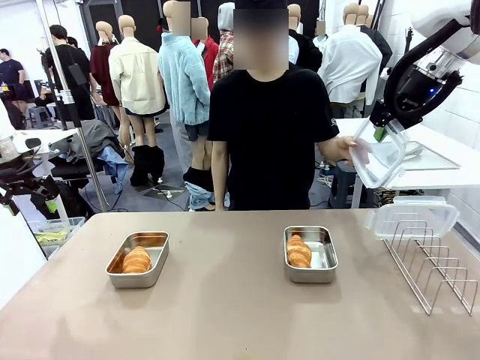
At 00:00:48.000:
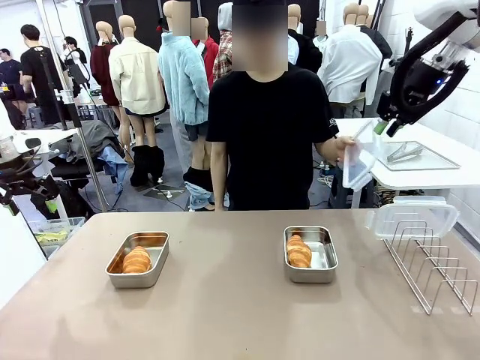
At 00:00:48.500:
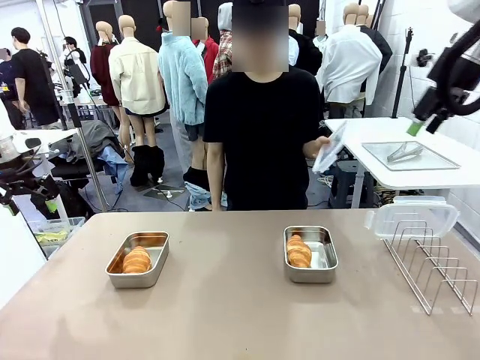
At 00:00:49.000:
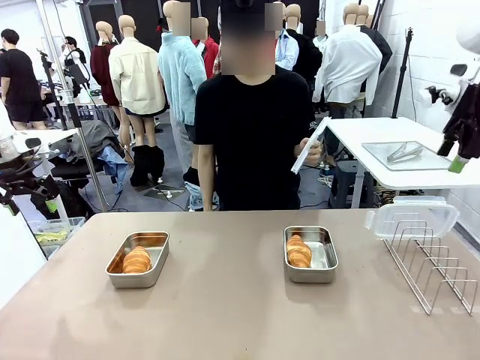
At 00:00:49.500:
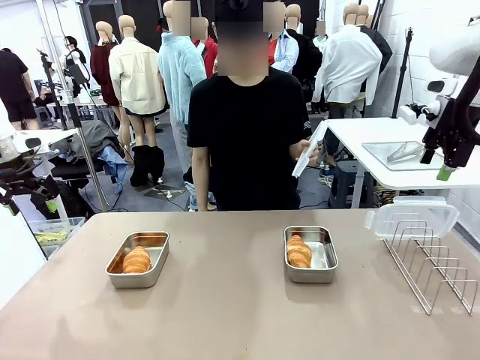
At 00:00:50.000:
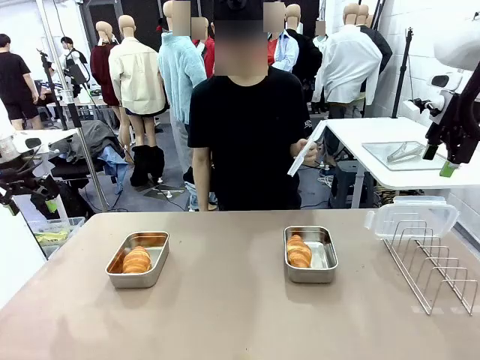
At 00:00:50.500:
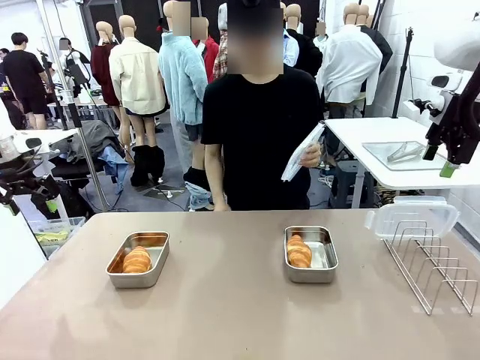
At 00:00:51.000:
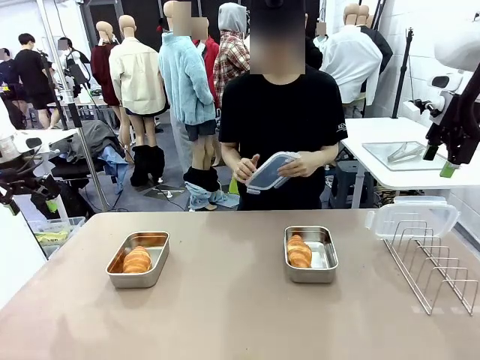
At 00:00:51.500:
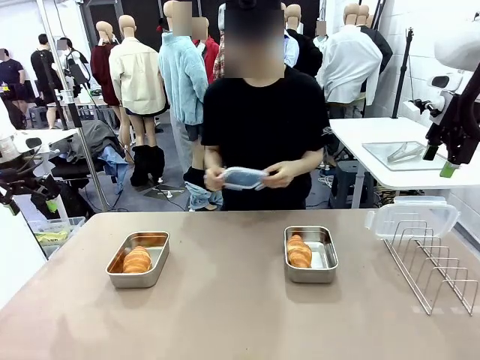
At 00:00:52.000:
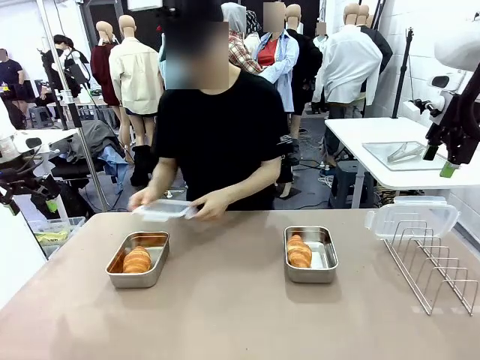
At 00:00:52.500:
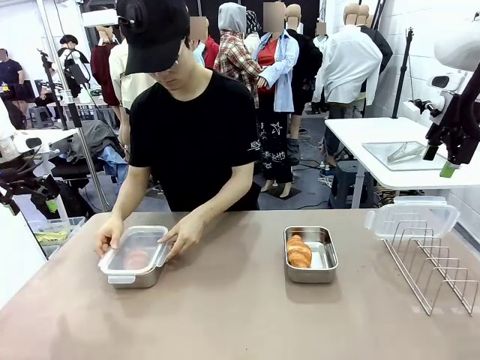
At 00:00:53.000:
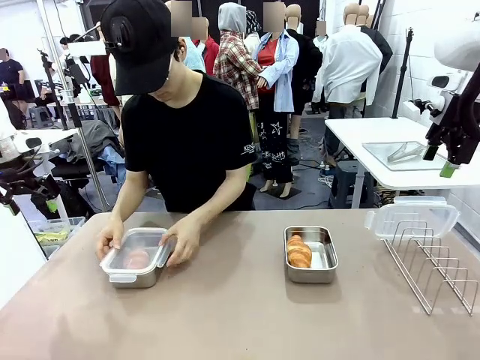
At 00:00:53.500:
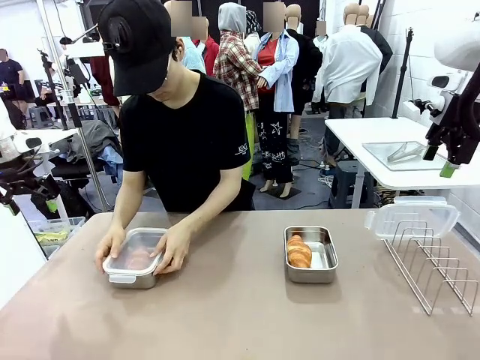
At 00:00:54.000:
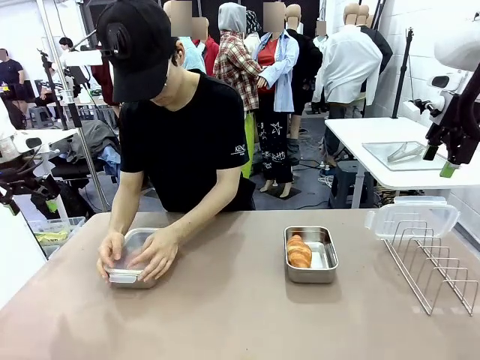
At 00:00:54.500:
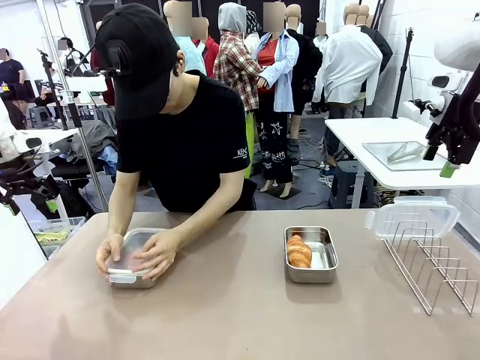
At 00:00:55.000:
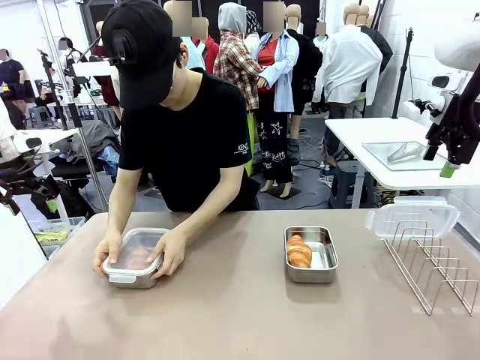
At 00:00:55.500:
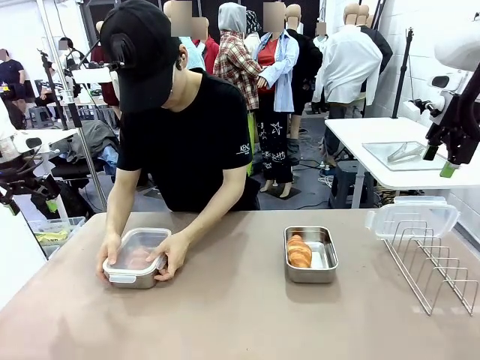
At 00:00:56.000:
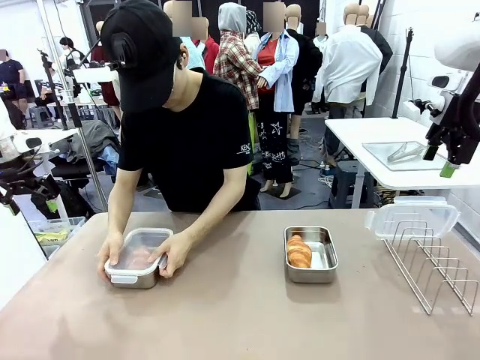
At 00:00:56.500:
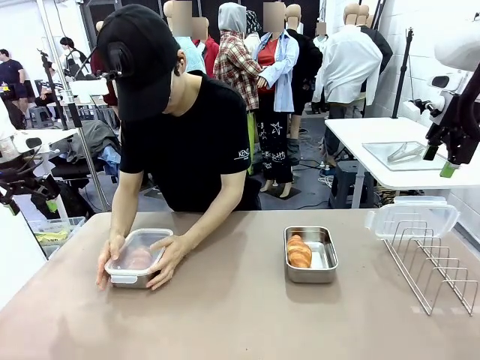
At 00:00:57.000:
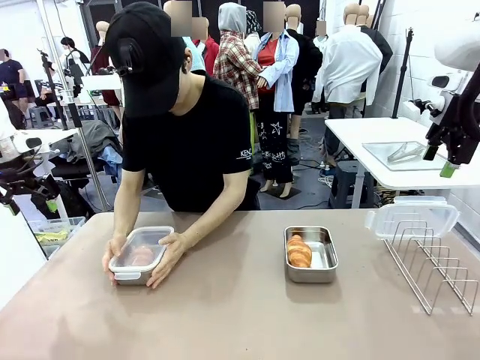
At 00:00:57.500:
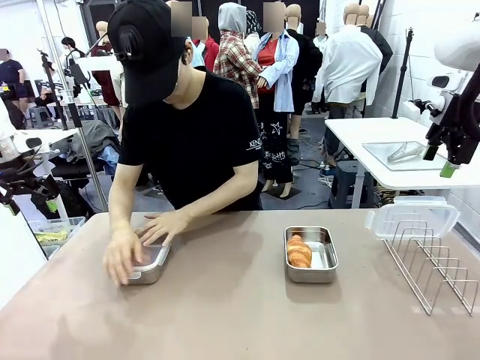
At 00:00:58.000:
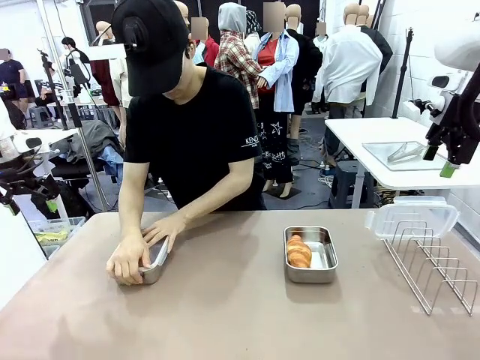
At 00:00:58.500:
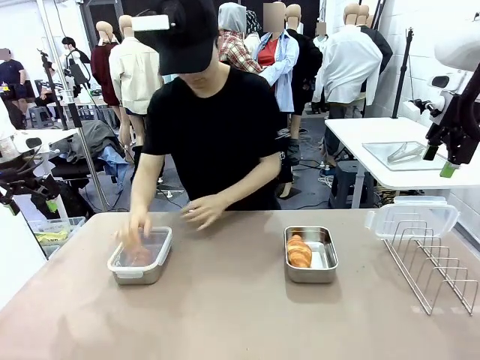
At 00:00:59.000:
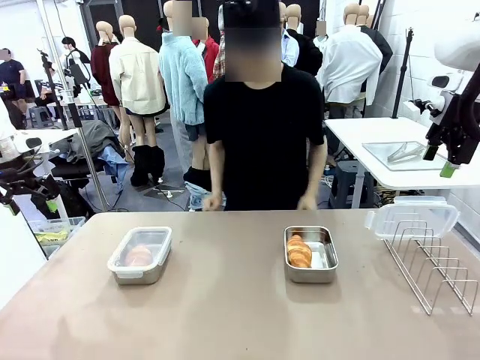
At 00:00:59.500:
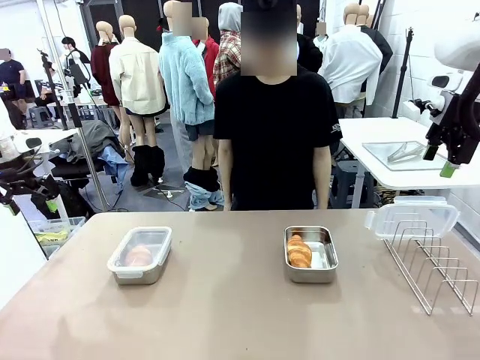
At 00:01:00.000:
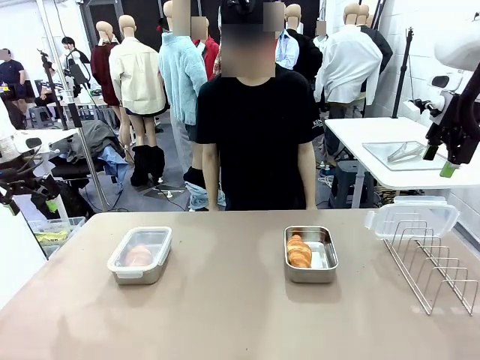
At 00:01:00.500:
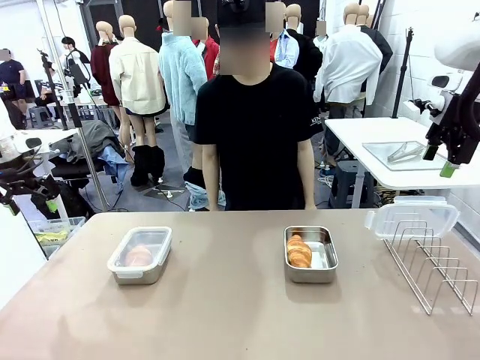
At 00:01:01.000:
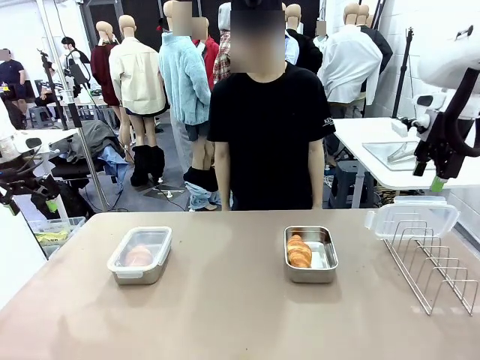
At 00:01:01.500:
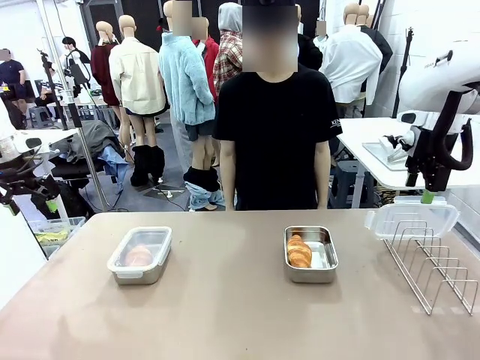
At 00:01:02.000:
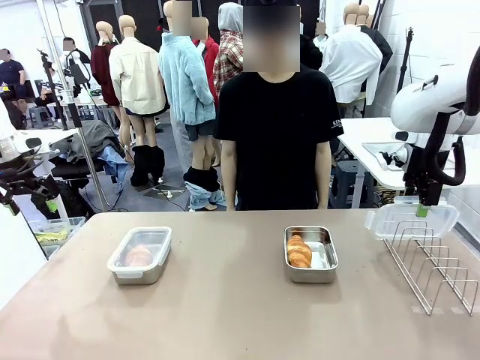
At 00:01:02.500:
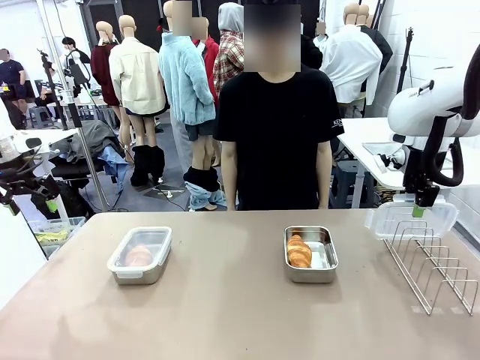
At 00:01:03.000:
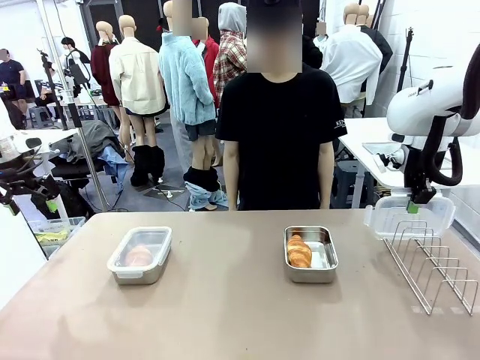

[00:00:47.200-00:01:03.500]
Task: Place the bread in airtight containers.
Robot: Pick up one Airtight Container lid and hand it to the human.
Person: Close Airtight Container with a handed Airtight Container lid.

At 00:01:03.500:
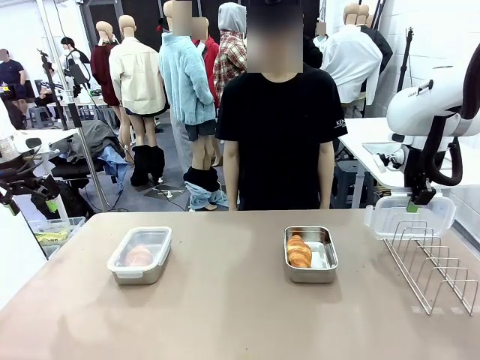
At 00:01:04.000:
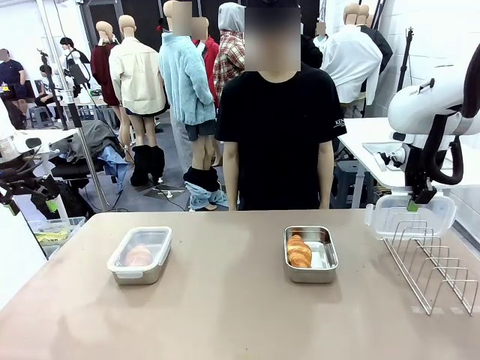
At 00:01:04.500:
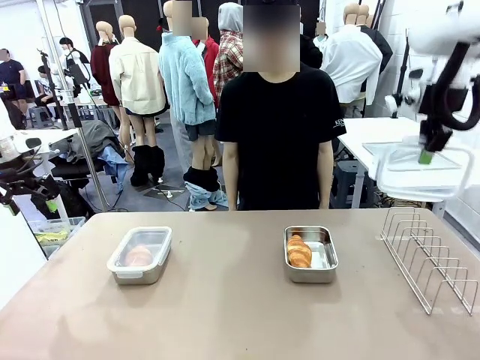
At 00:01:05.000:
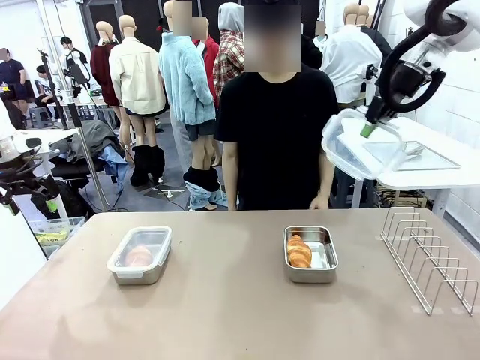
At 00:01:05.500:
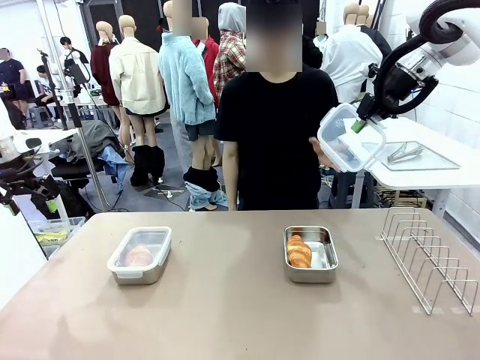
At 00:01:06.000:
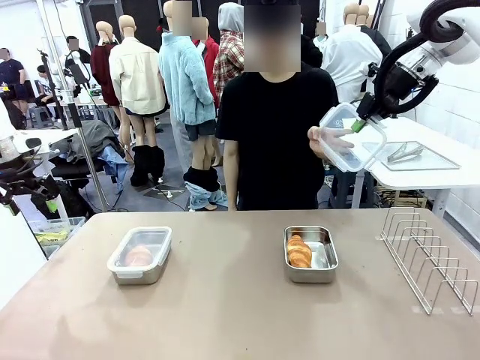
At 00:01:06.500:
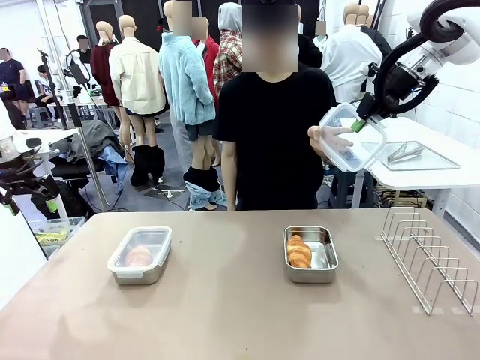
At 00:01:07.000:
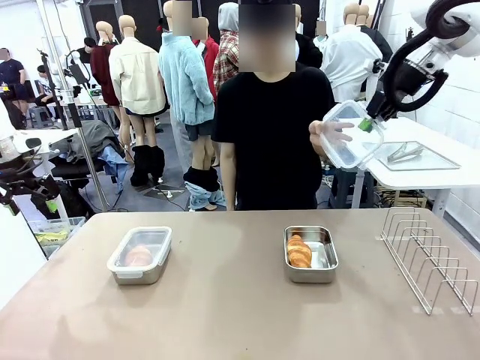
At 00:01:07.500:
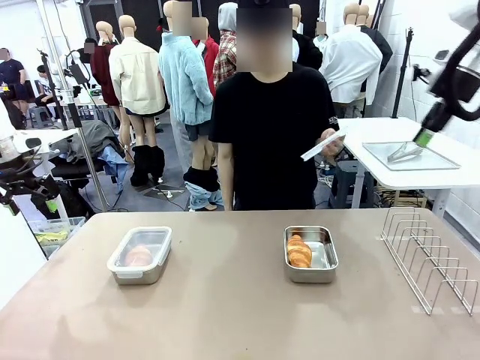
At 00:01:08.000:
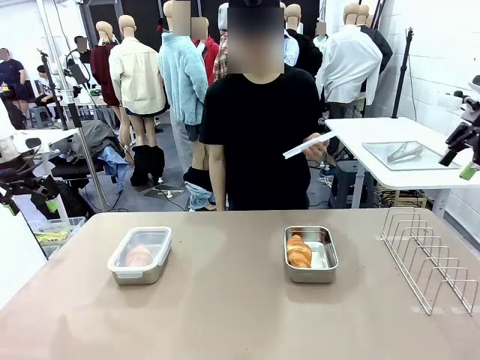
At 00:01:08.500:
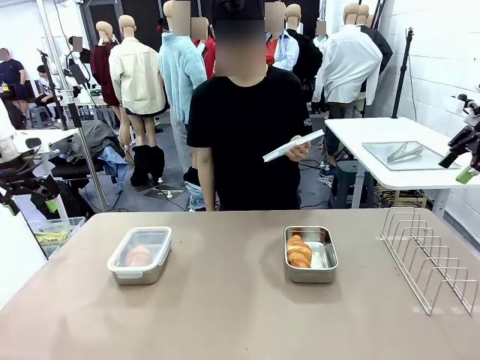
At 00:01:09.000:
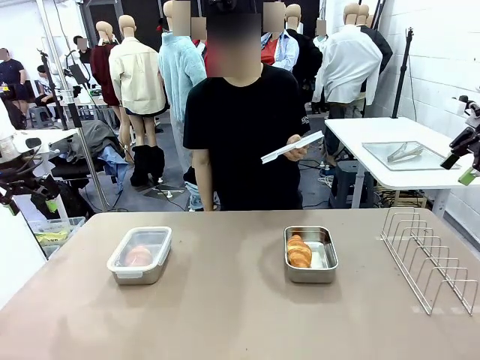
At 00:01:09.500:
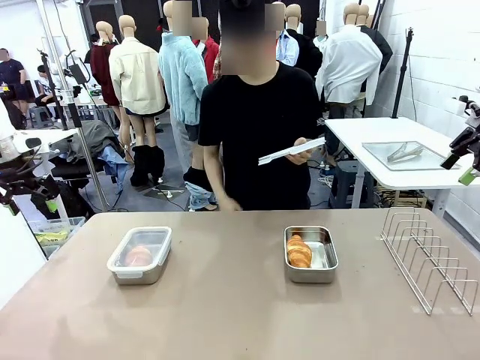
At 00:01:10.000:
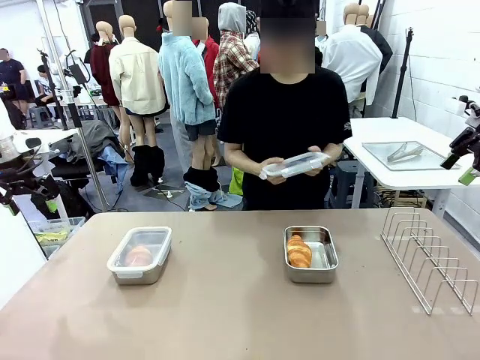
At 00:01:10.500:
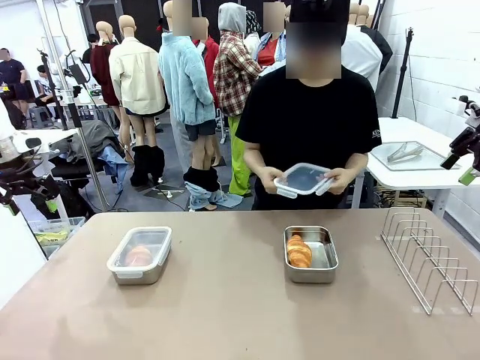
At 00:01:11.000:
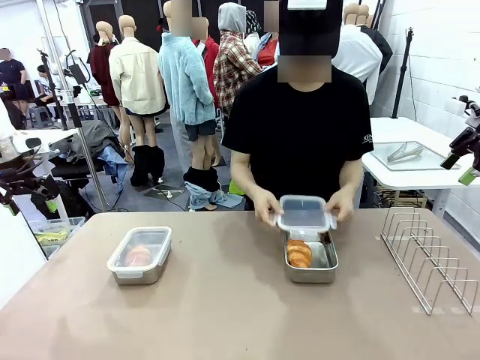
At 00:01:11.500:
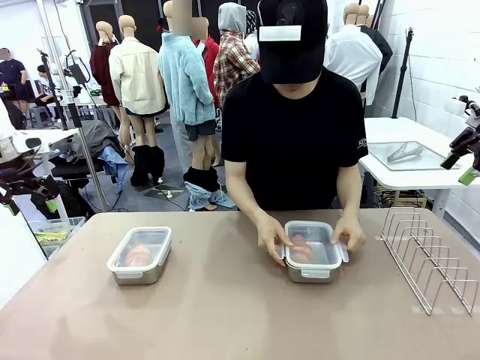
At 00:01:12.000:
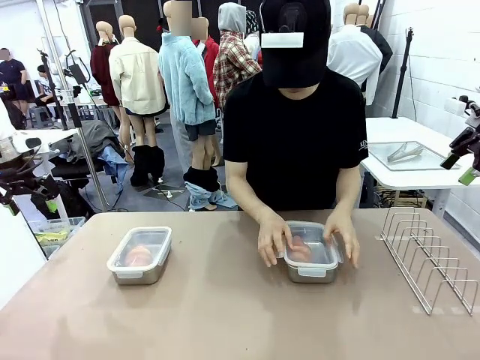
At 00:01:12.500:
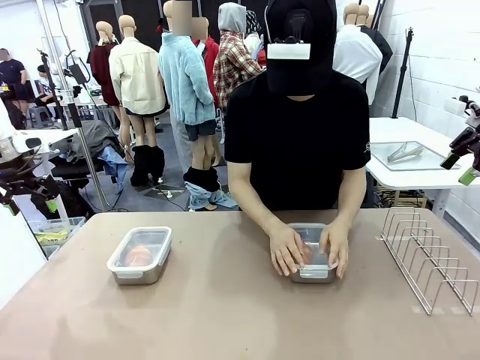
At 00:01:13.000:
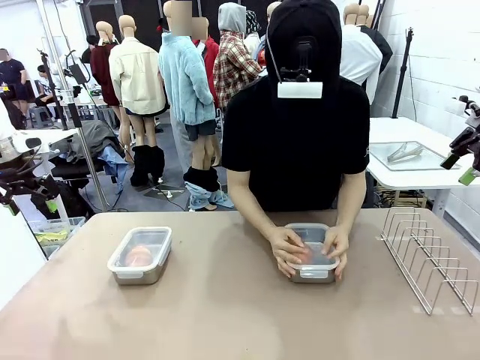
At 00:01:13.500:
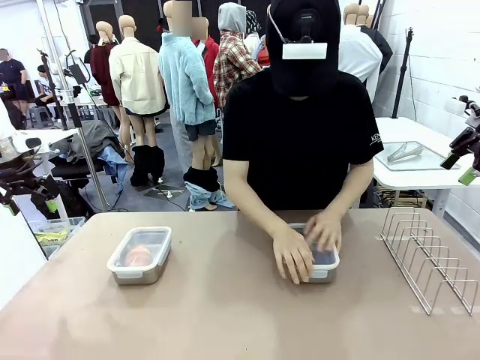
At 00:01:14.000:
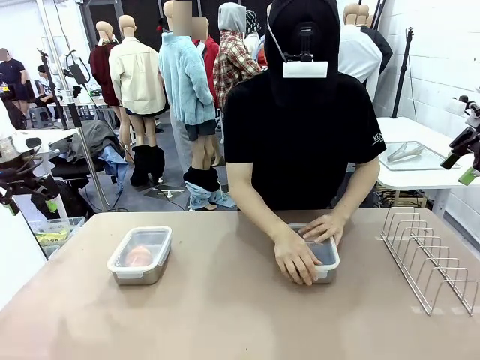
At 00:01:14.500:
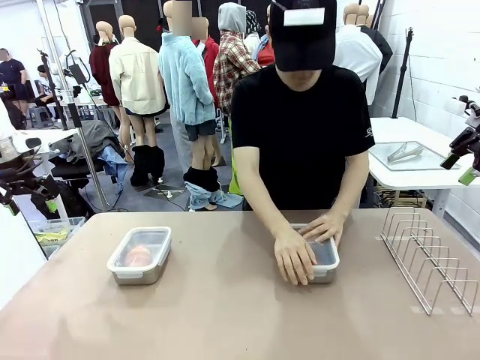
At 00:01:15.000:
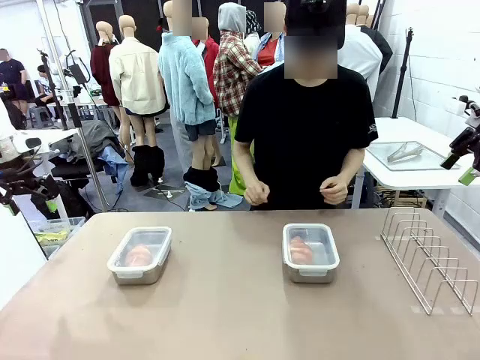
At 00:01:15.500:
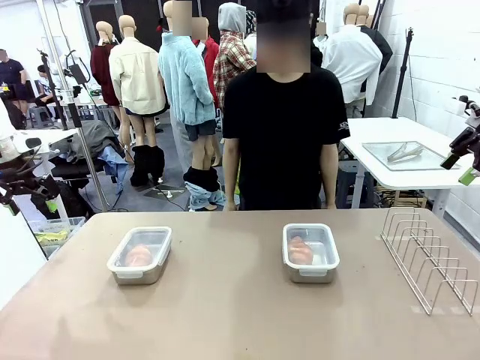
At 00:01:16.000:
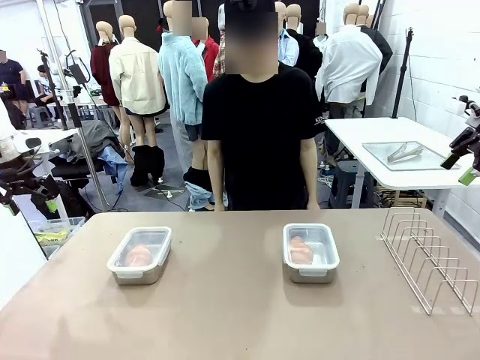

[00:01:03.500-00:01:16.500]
Robot: Release when the human grabs the Airtight Container lid.
Person: Grip Airtight Container lid that robot is handing. Close Airtight Container with a handed Airtight Container lid.
